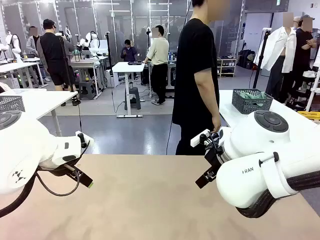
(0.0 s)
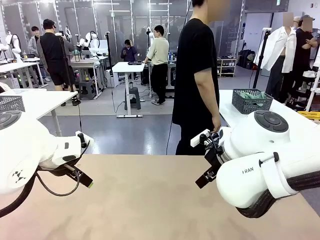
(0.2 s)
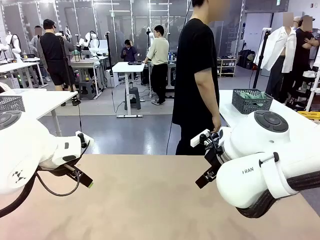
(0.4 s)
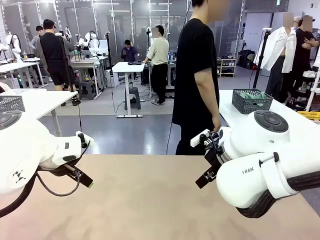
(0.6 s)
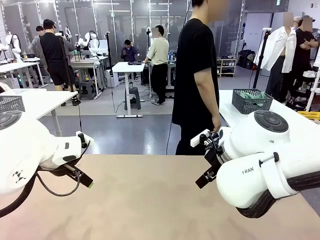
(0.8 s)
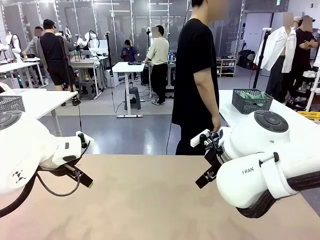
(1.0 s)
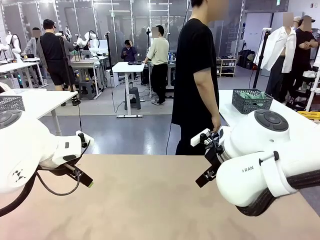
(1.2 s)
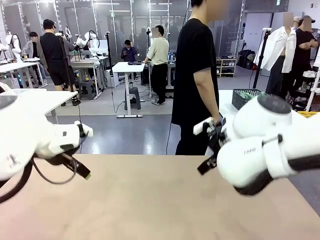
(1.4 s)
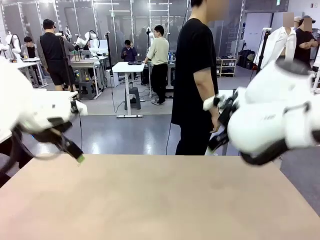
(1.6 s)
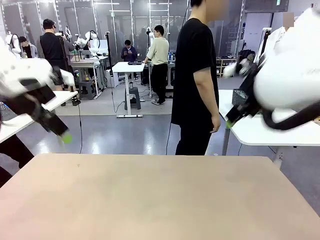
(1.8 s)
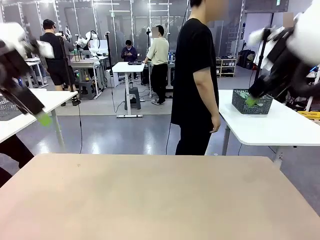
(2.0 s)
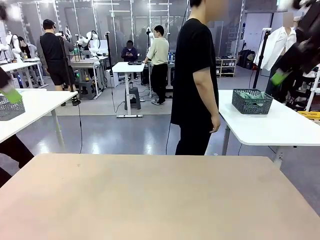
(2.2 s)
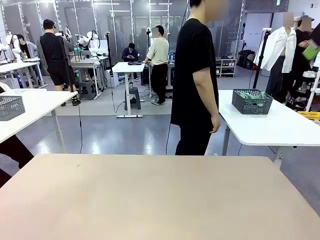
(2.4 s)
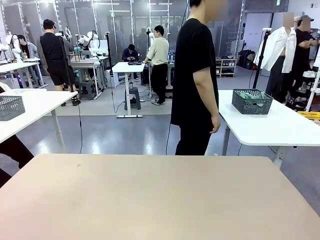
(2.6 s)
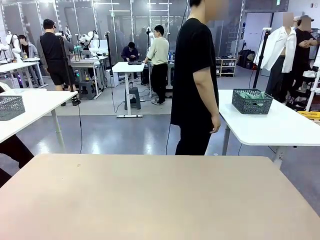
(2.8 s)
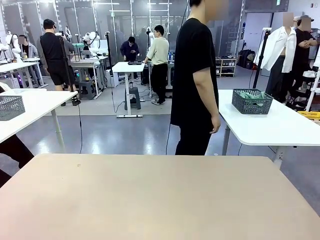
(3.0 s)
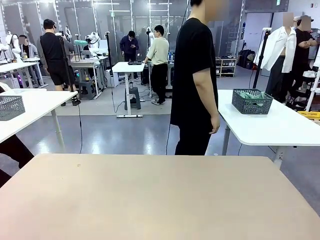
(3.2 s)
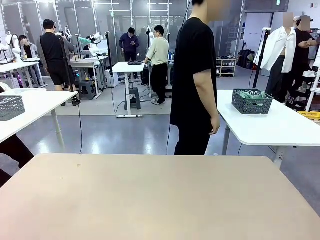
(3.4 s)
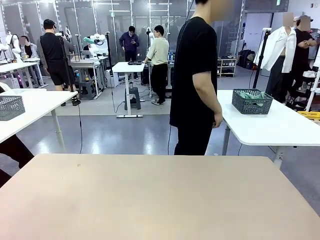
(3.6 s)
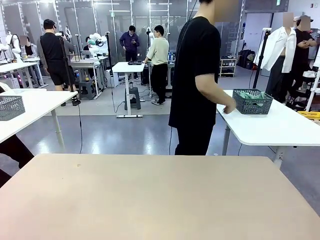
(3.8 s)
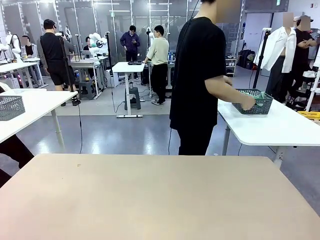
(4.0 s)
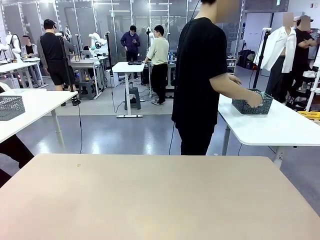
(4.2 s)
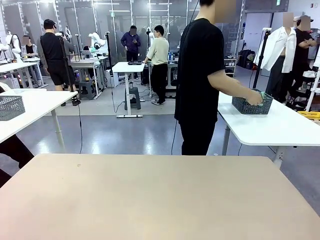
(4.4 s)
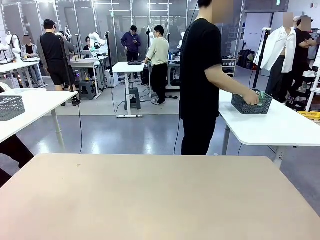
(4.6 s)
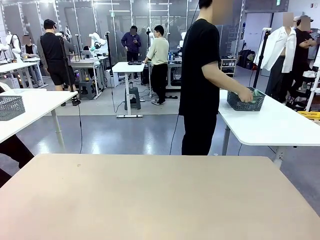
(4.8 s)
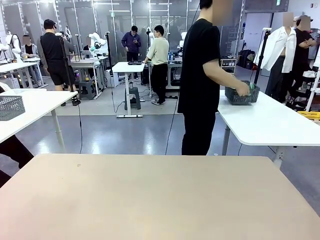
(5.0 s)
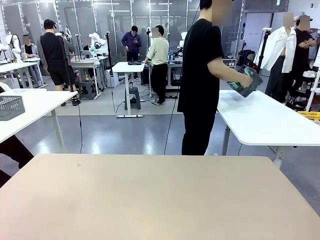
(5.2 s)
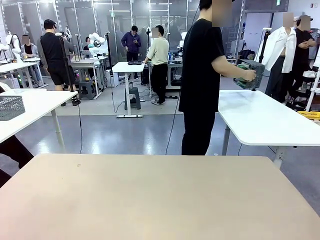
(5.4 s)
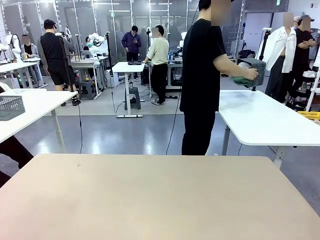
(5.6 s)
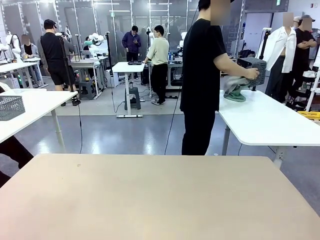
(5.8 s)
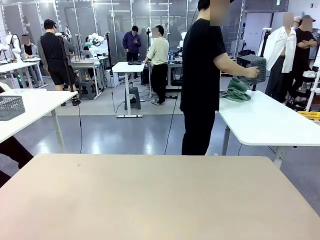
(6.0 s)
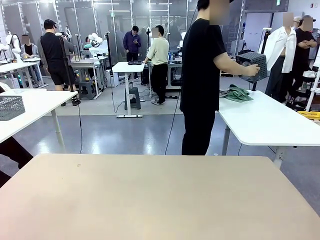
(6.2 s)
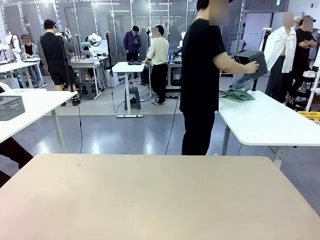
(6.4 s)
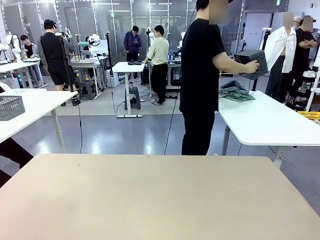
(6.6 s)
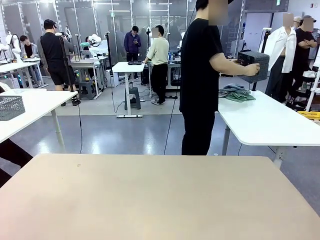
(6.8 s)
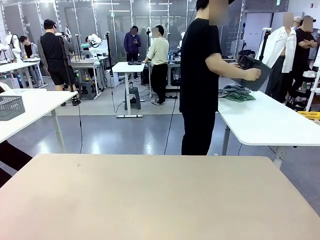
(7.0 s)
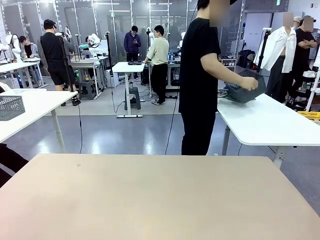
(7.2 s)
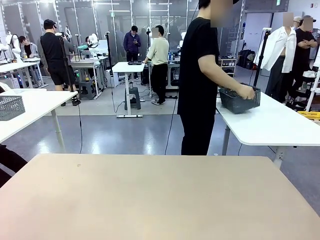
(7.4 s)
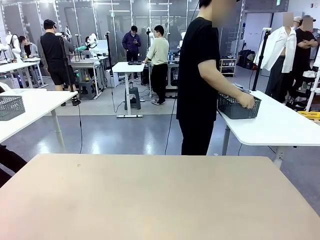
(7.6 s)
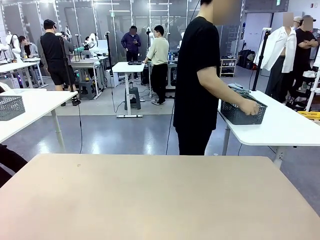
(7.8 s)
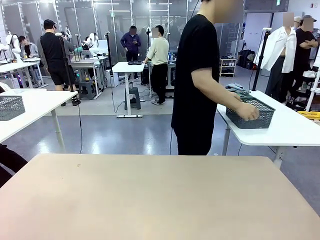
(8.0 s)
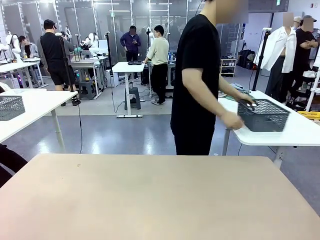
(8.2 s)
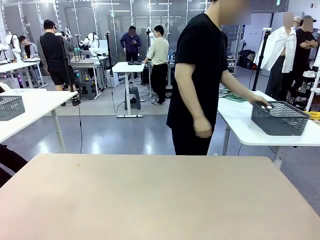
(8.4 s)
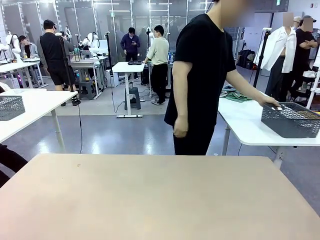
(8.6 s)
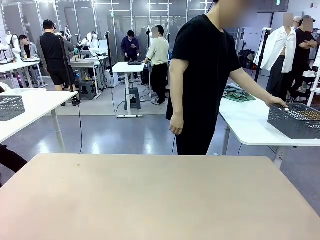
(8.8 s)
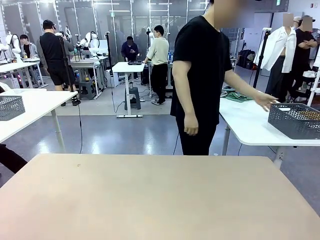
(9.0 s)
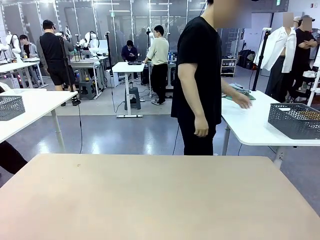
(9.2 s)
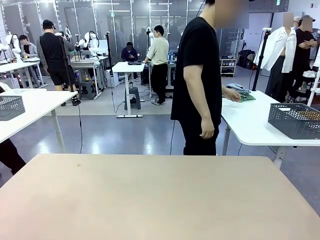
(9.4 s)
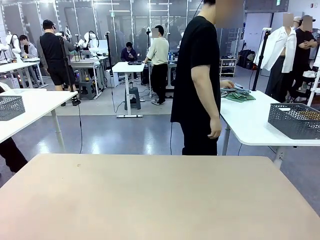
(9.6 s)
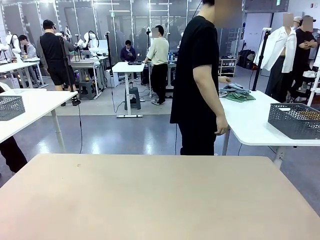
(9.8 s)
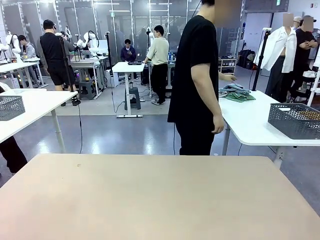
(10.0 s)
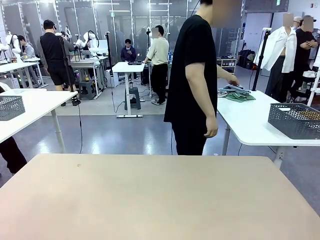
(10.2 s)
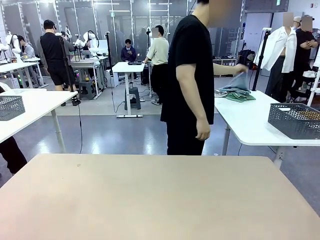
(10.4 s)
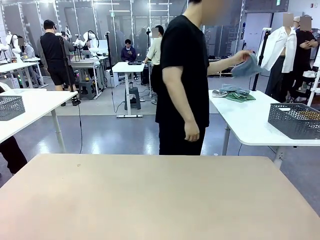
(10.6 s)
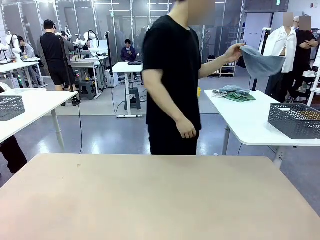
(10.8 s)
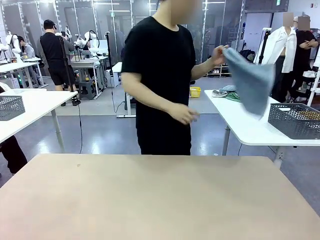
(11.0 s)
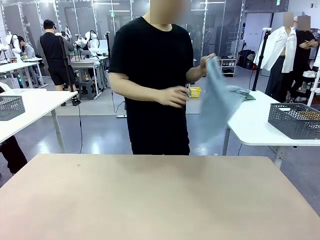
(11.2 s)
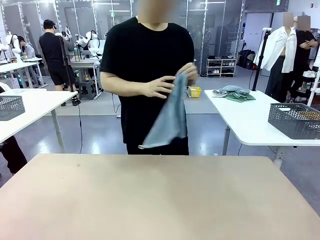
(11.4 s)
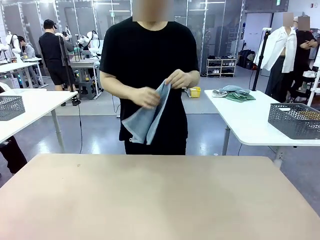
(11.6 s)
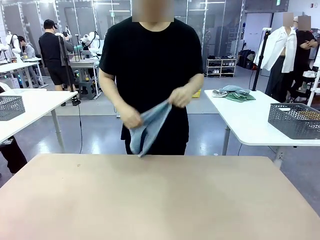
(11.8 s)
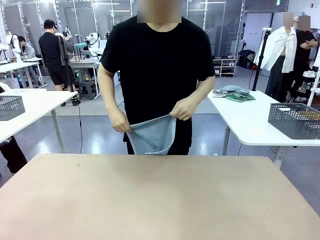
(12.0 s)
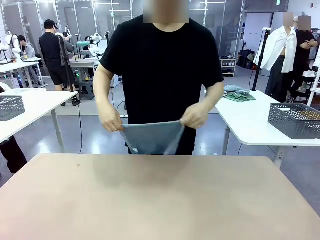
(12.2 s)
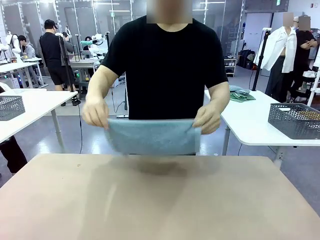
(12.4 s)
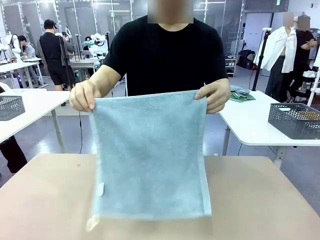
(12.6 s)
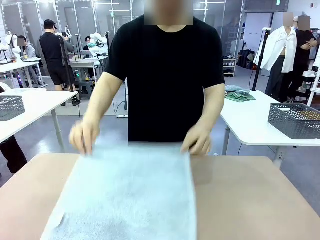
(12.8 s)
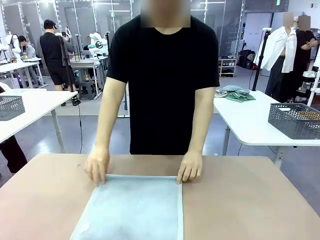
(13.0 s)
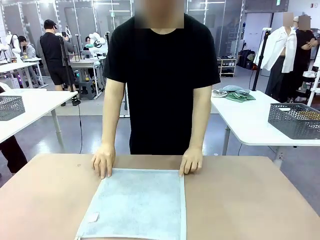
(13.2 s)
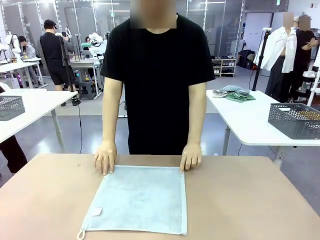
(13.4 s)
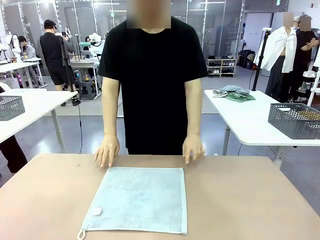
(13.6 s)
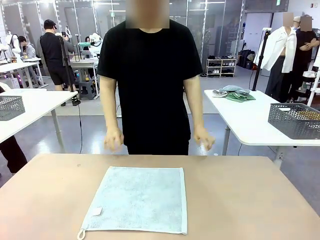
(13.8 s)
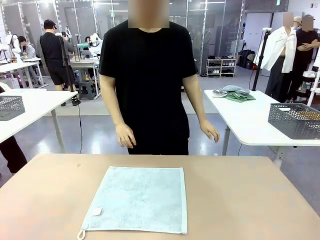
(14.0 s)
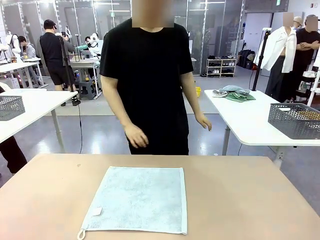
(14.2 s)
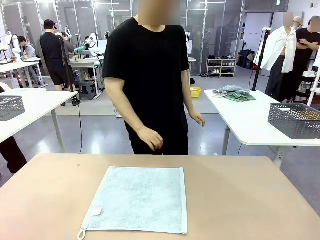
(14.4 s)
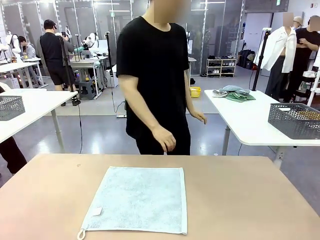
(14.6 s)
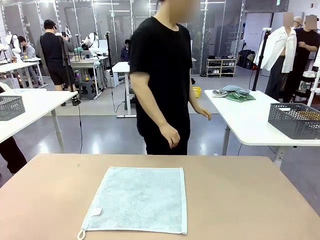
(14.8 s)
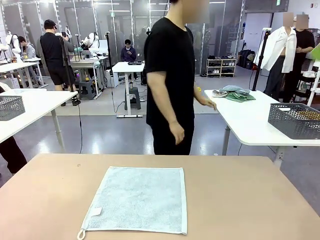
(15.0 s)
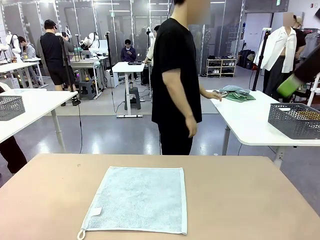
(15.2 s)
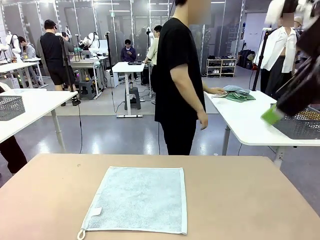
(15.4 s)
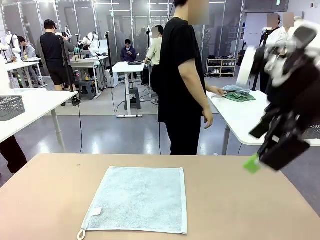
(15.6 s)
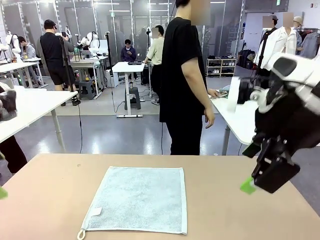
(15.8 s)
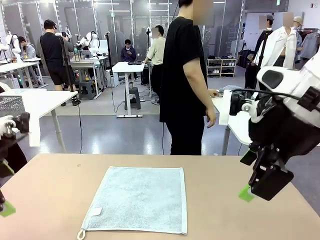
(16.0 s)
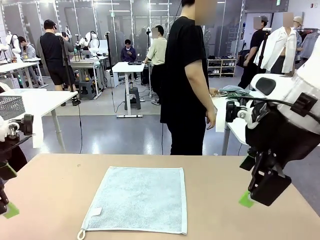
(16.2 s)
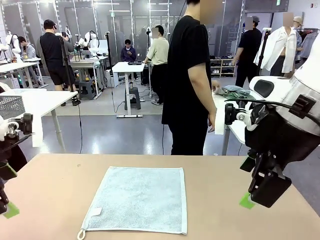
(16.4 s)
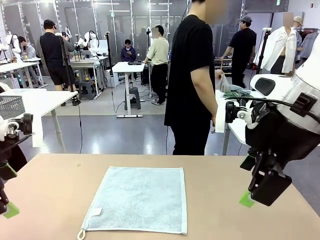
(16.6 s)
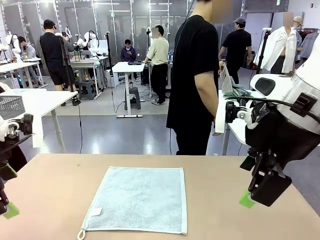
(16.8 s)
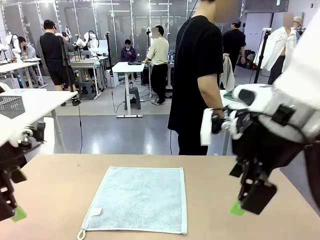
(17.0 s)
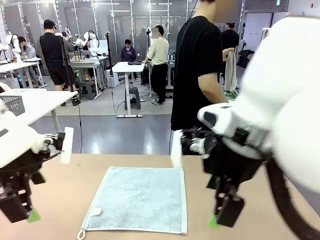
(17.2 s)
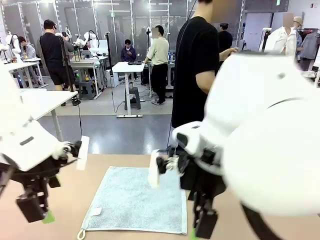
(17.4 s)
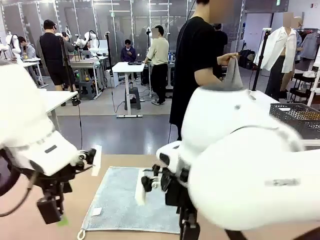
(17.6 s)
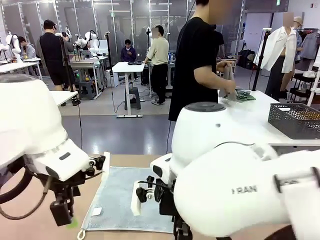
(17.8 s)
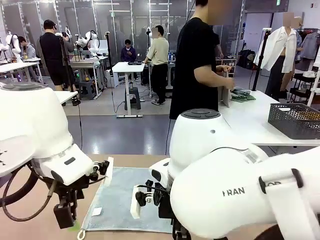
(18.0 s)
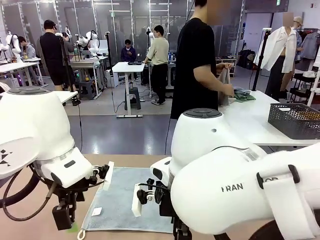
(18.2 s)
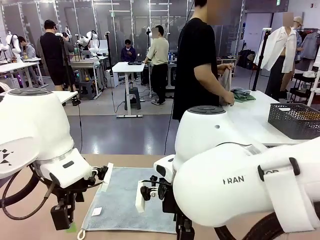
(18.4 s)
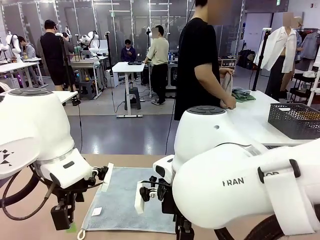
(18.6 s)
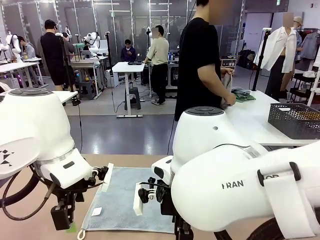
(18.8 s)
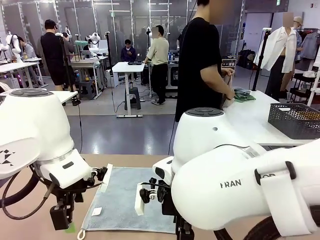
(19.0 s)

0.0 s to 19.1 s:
Task: Fold the towels and place them in the basket.
Robot: When a person lays out a Towel with hook on the table, fold it in half twice.
Person: Pick up the basket, pour the towels onto the left side of the human table, and place the basket on the right side. Pick up one towel and spread it out at the center of the robot table.
